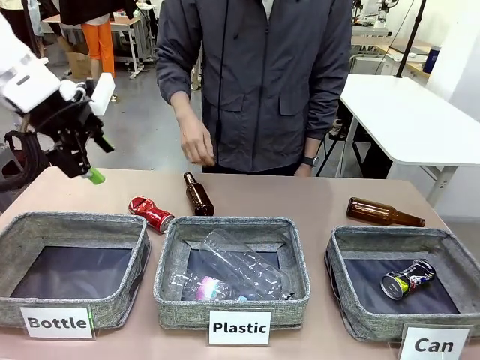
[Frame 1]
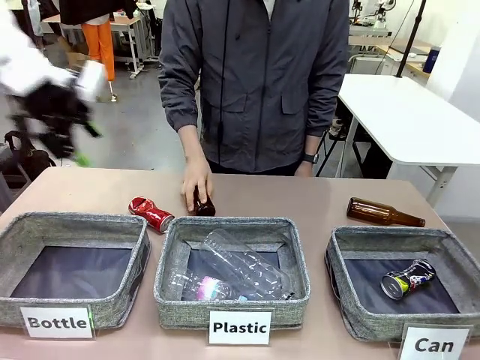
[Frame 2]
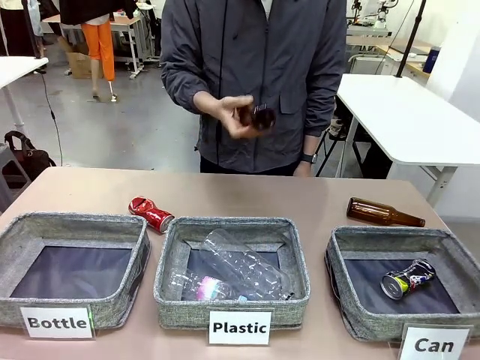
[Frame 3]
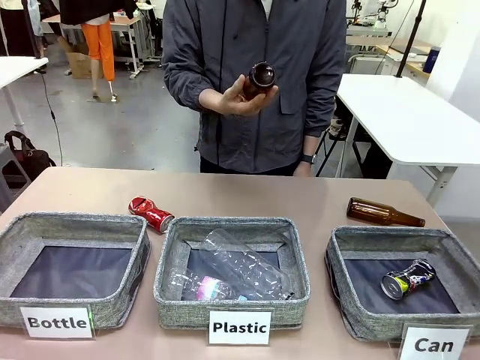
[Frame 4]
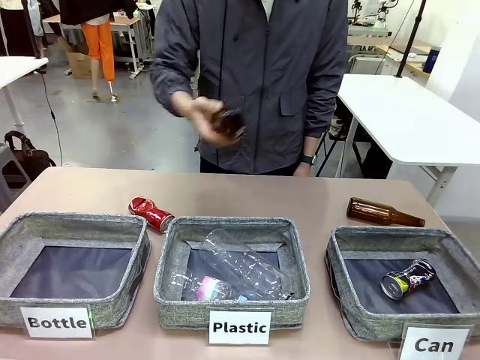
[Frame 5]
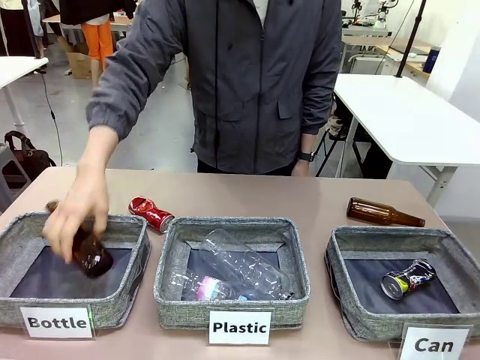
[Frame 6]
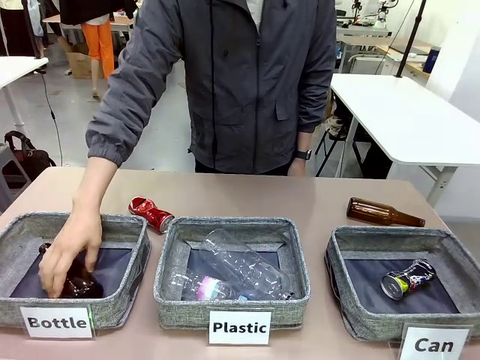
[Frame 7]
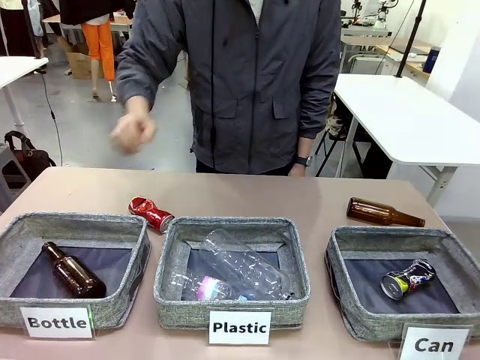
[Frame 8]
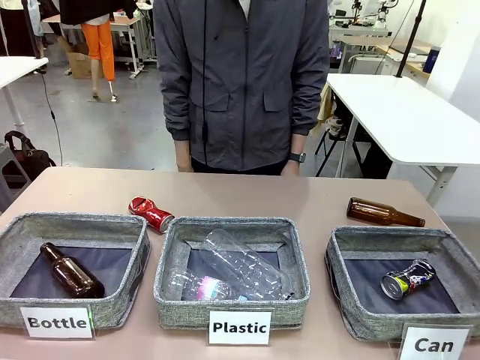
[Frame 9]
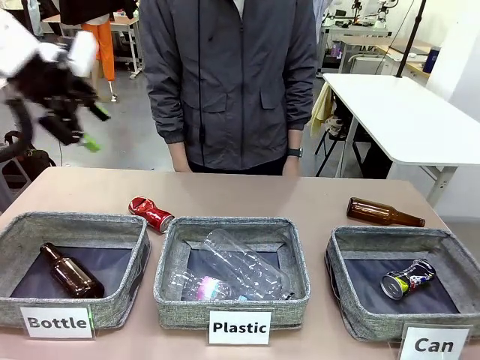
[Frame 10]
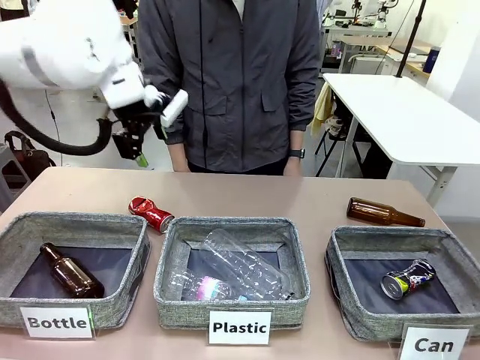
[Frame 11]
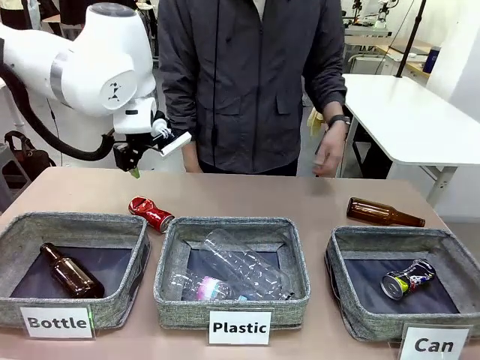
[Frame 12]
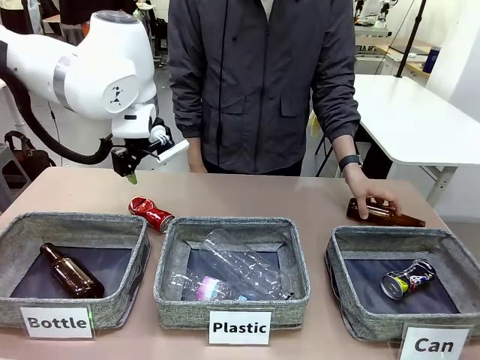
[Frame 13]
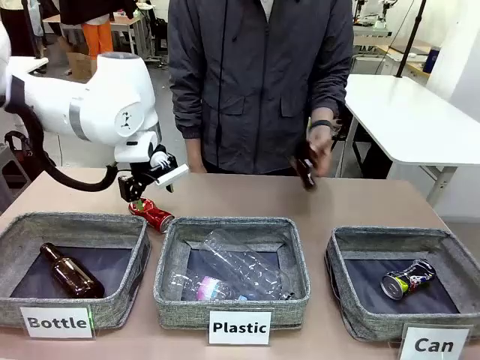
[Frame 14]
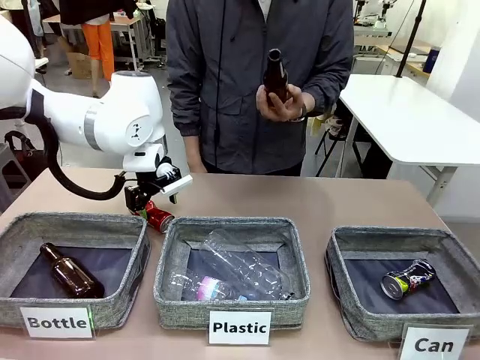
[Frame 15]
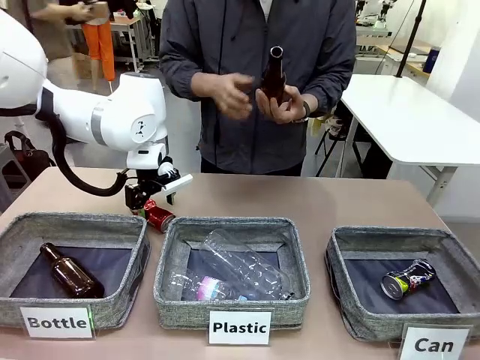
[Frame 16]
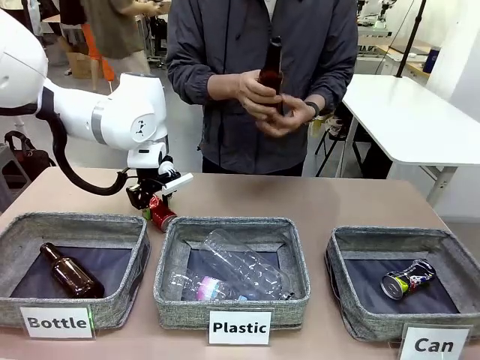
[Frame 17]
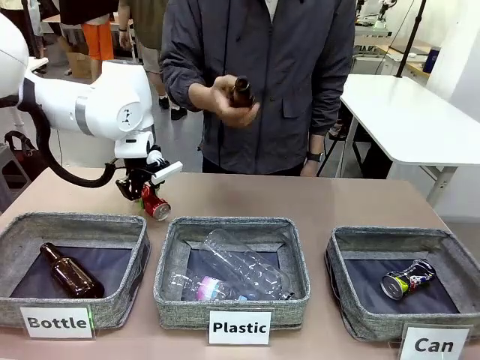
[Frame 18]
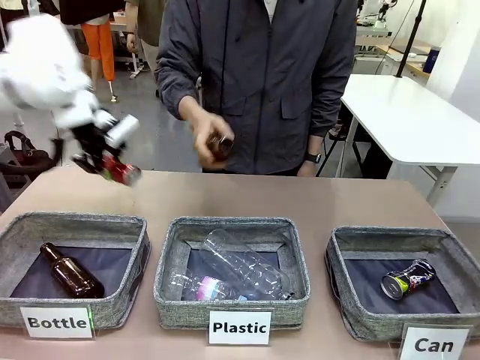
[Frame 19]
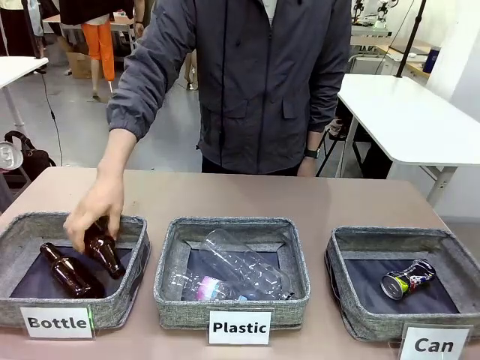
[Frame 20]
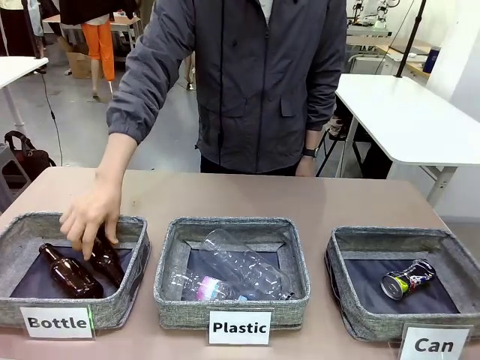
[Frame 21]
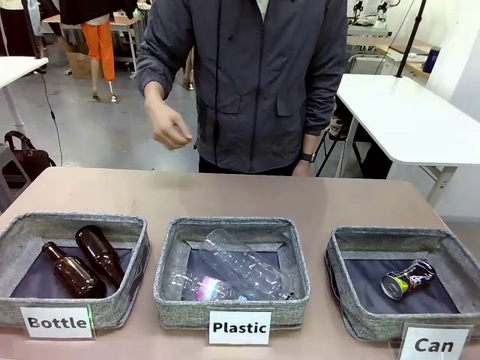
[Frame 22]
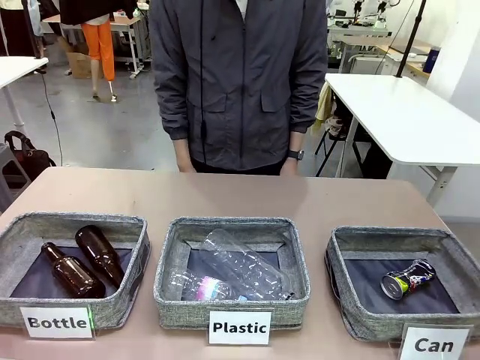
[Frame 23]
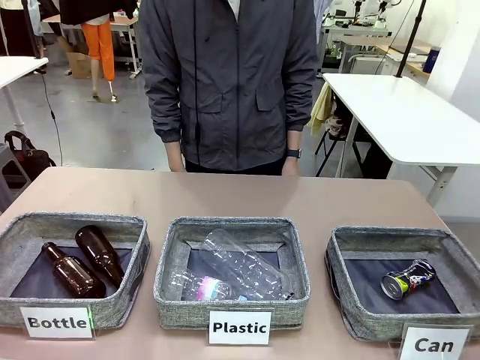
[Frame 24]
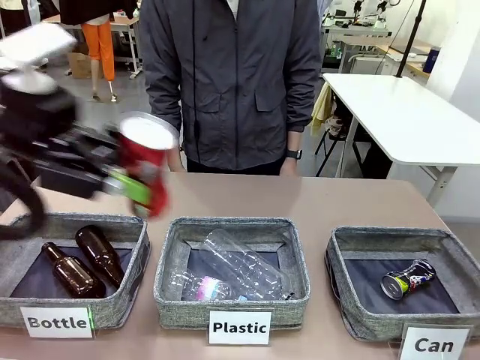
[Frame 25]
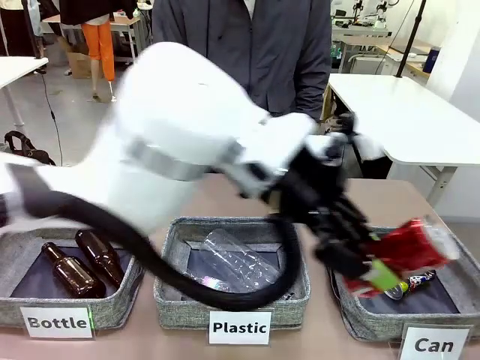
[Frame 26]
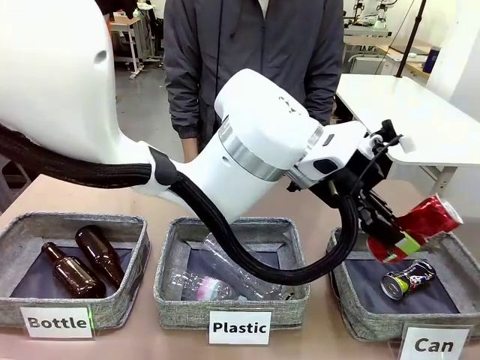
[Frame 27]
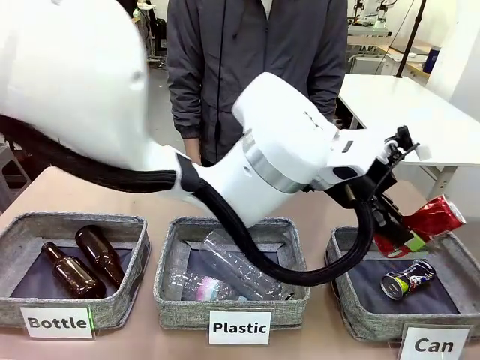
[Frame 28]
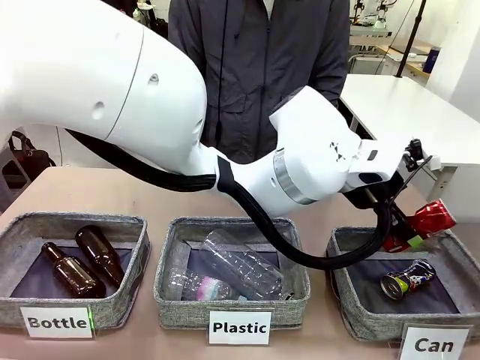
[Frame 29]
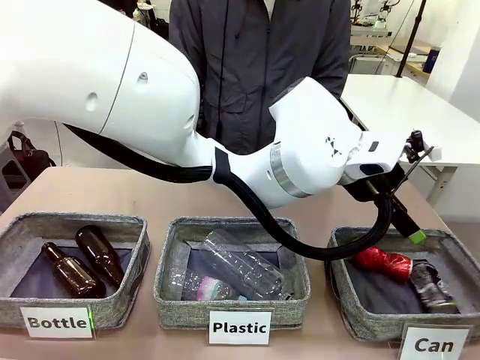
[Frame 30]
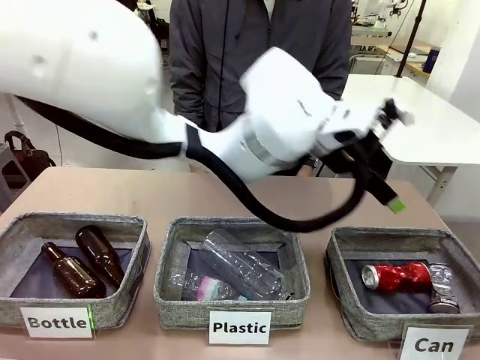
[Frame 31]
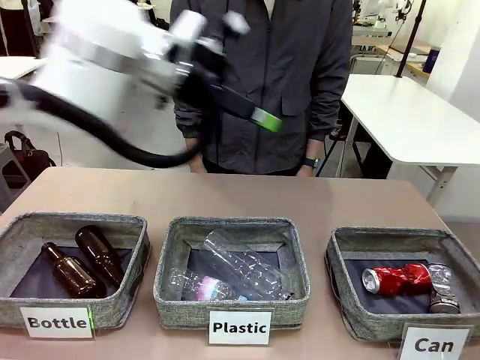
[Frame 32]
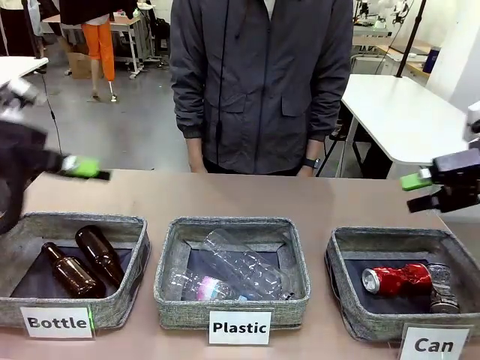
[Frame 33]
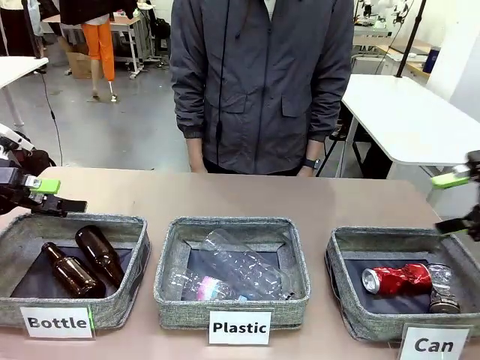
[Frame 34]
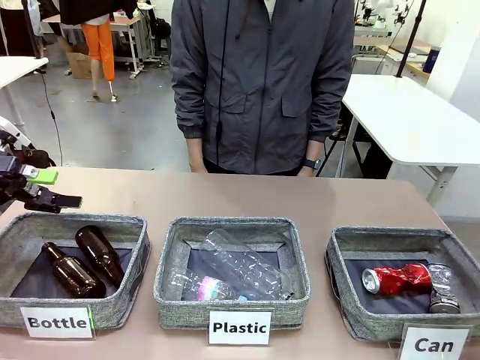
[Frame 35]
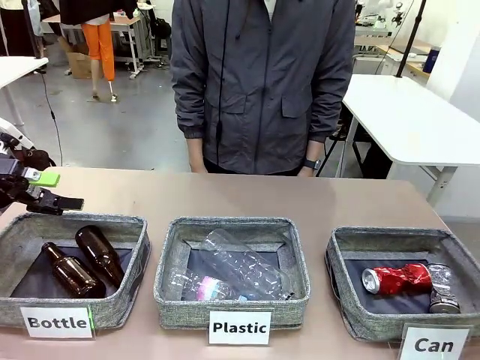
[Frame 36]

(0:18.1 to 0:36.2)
Task: Sort the can waste into the basket.
Robot: Pick up the can waste from the table and place it in the right Fabric basket.

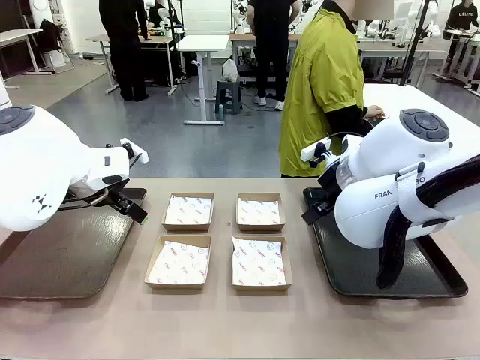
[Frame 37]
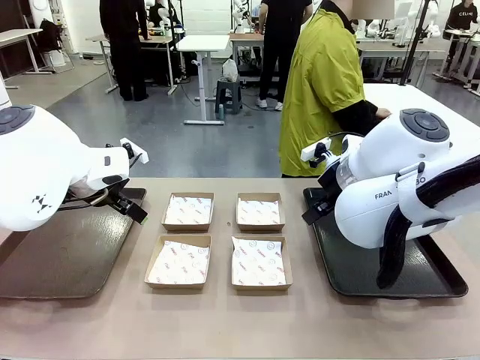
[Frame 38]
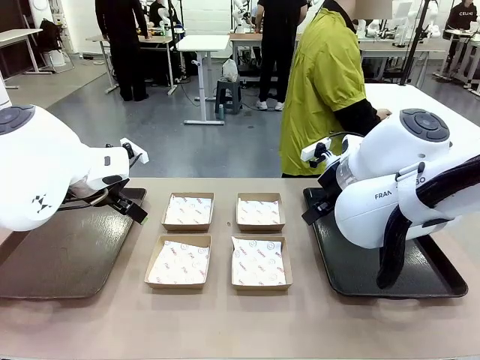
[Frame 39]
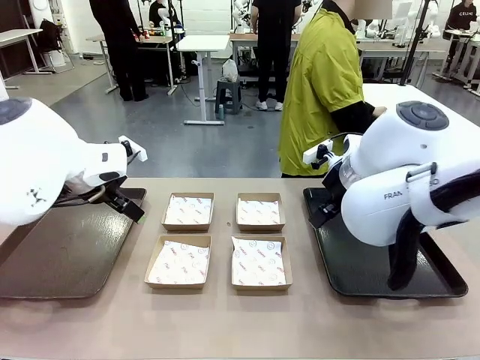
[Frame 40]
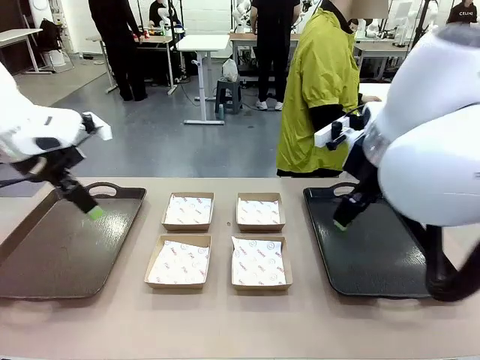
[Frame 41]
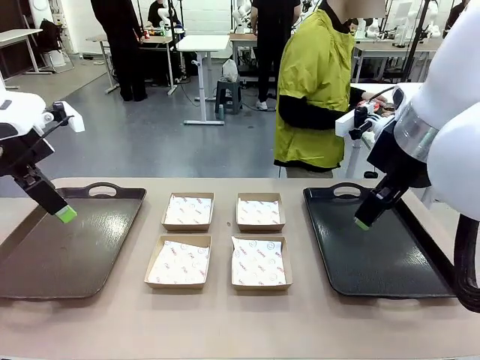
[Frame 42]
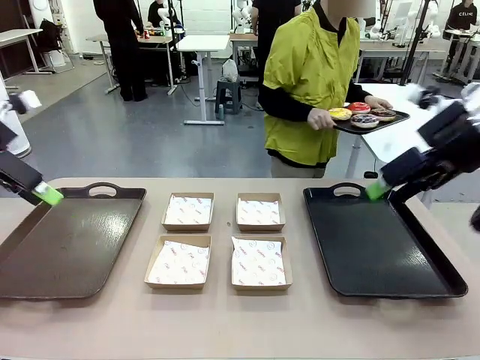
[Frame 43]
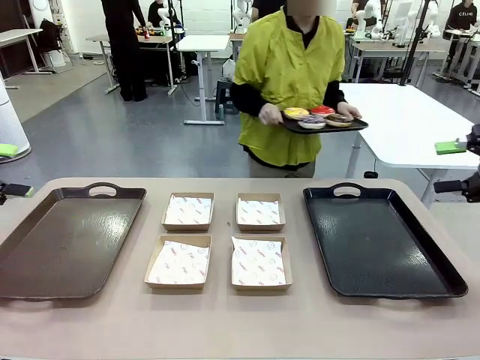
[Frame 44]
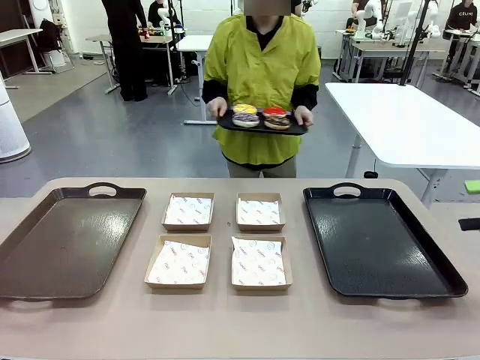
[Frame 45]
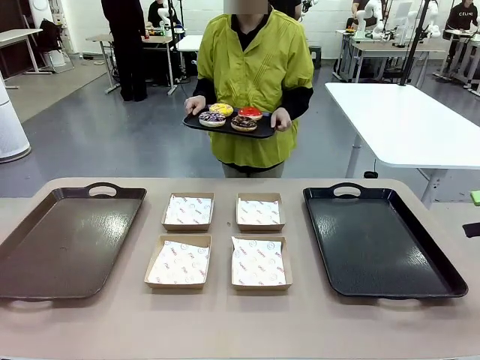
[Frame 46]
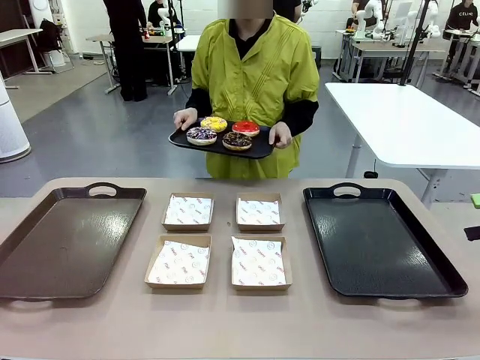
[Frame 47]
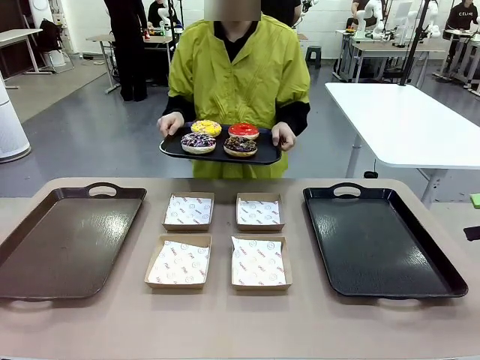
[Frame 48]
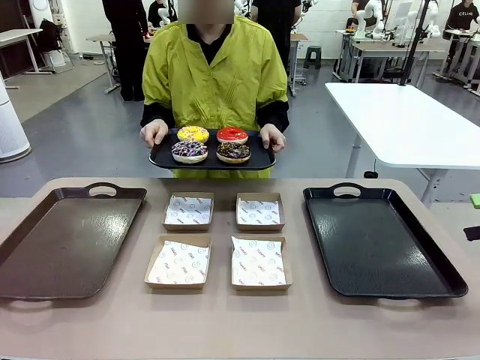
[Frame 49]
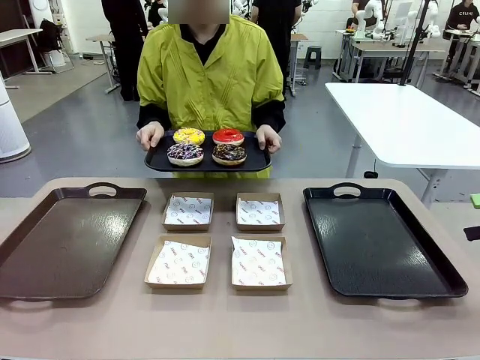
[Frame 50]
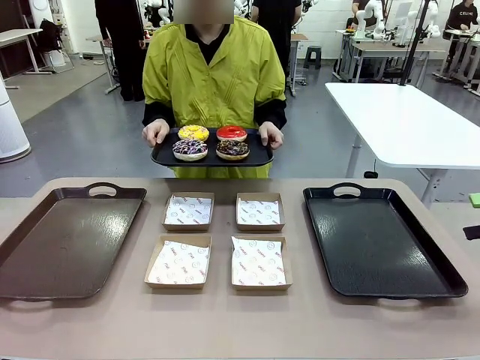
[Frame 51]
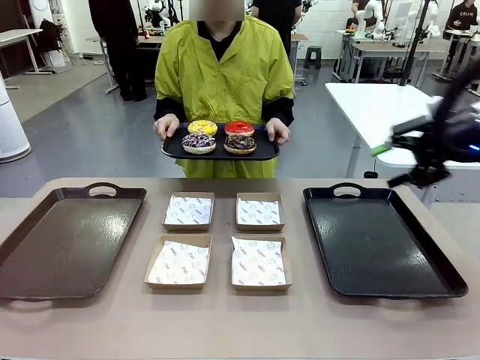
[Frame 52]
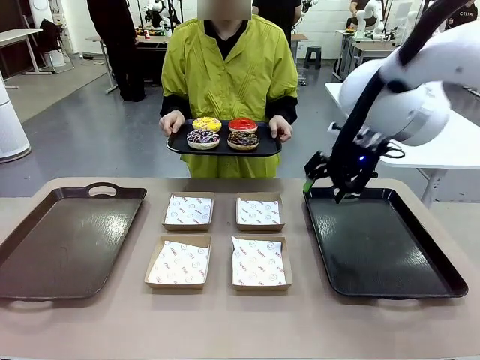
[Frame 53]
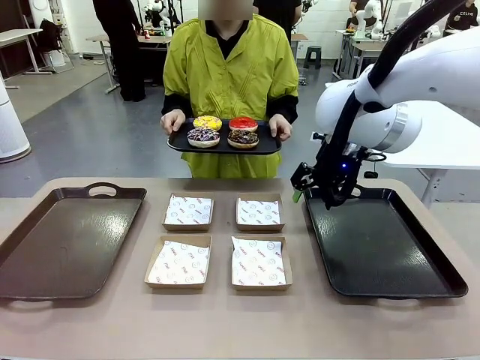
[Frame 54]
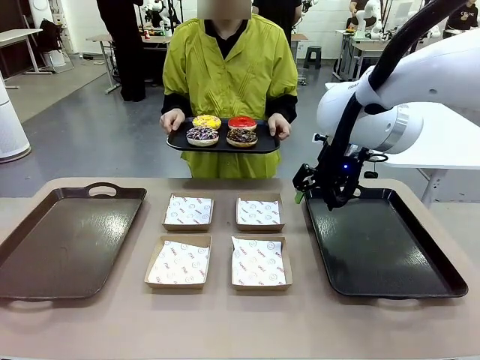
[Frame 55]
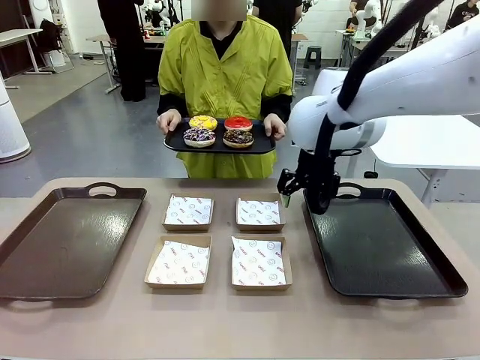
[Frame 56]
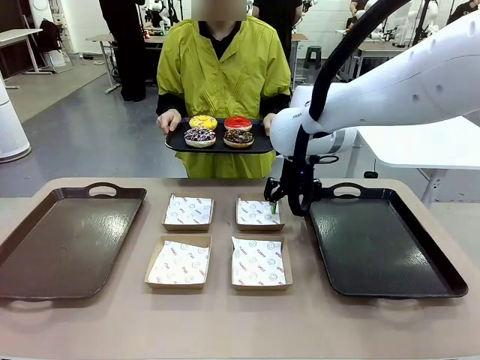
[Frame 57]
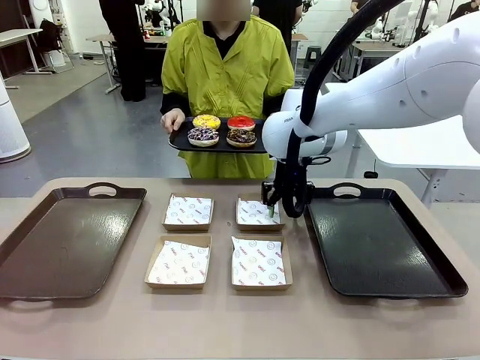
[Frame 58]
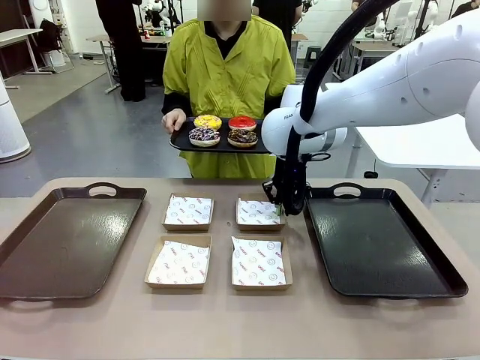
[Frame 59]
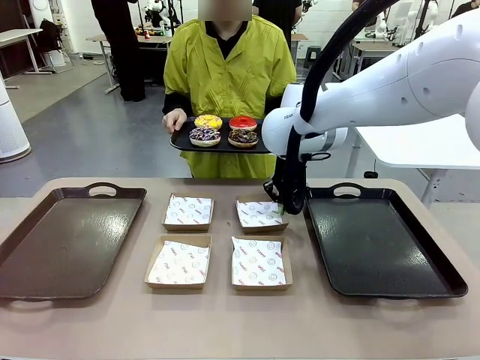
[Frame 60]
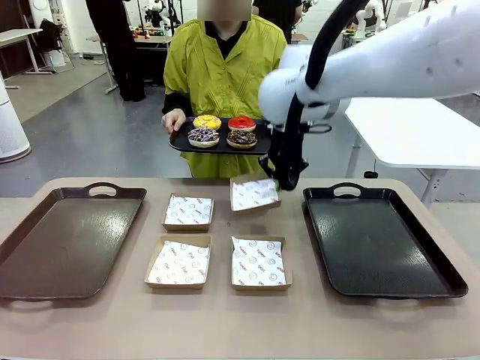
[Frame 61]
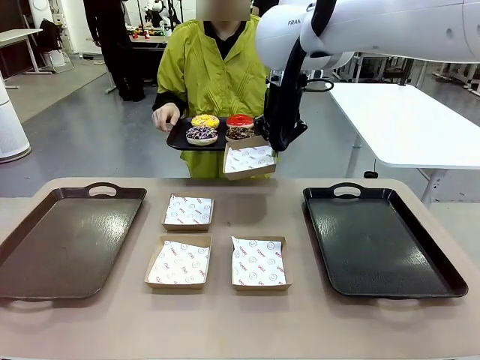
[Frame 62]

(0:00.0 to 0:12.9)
Task: Individually package the donuts and arrange them on the tray.
Robot: Pick up one Paper togo box.
Person: Stand in front of the robot table holding the tray containing the donuts.
